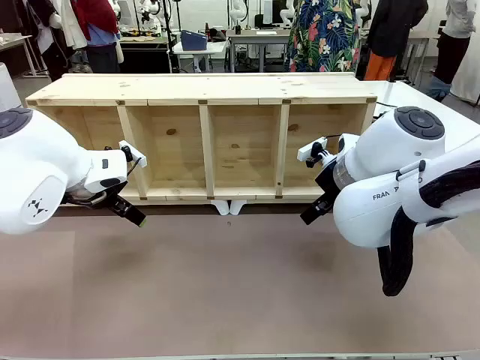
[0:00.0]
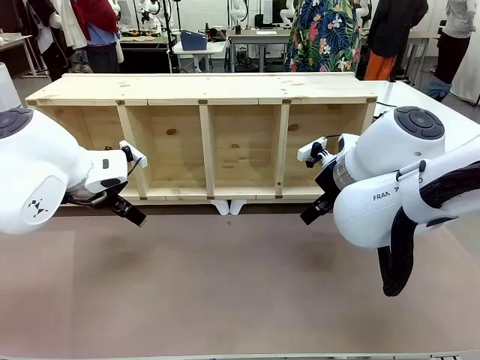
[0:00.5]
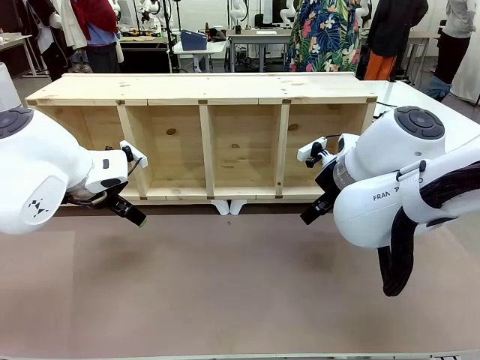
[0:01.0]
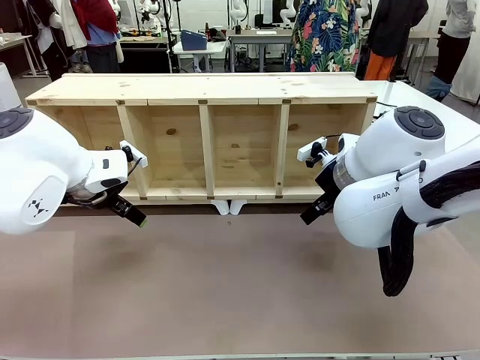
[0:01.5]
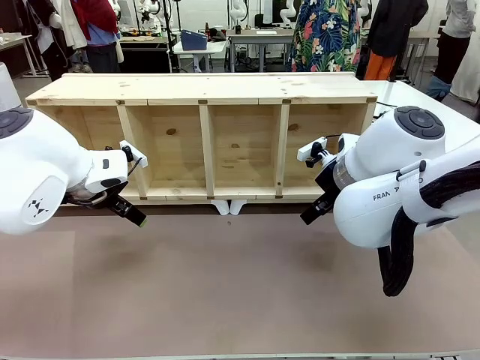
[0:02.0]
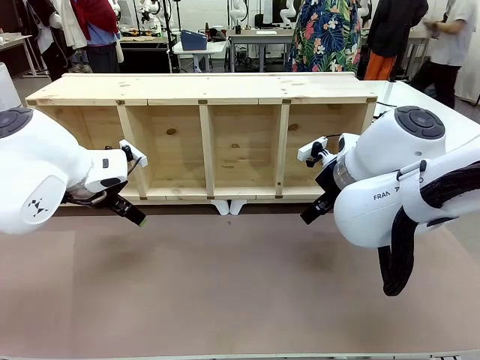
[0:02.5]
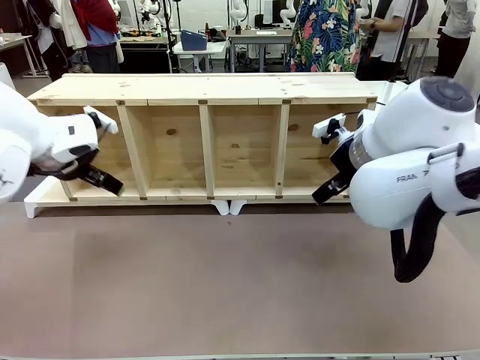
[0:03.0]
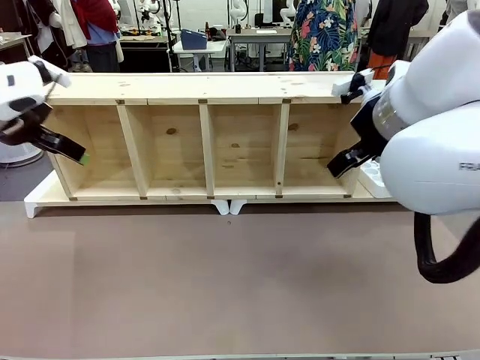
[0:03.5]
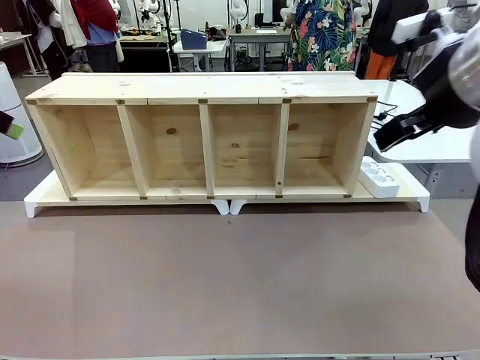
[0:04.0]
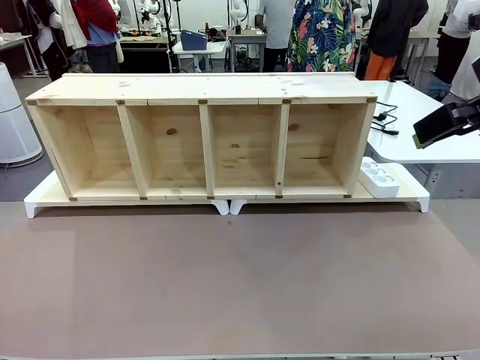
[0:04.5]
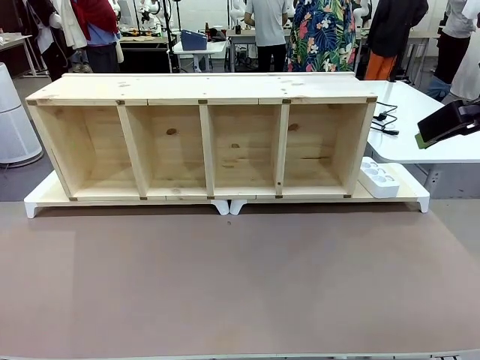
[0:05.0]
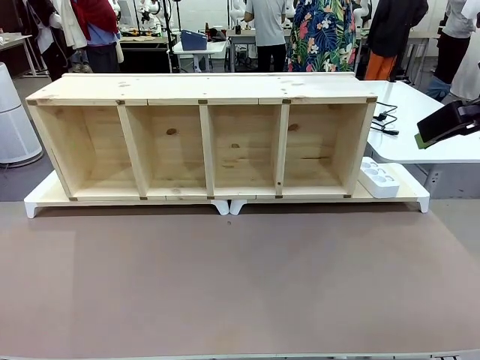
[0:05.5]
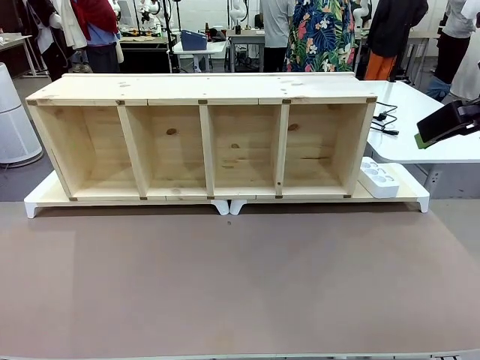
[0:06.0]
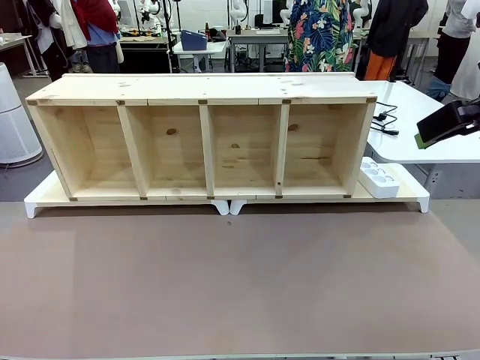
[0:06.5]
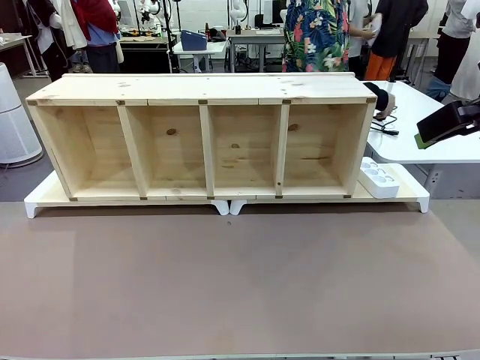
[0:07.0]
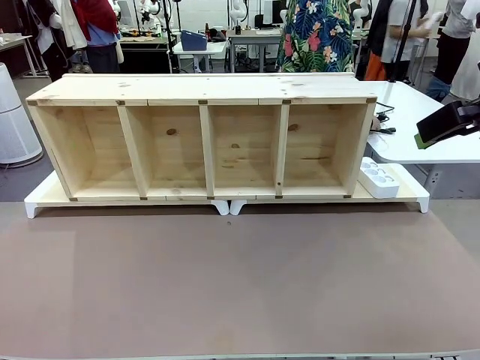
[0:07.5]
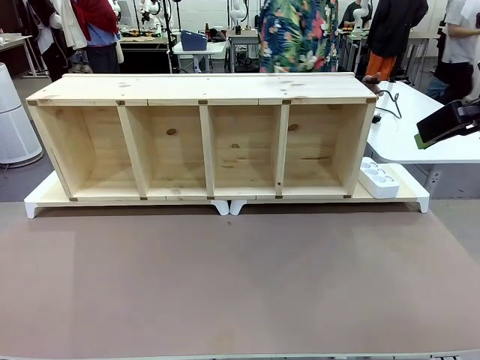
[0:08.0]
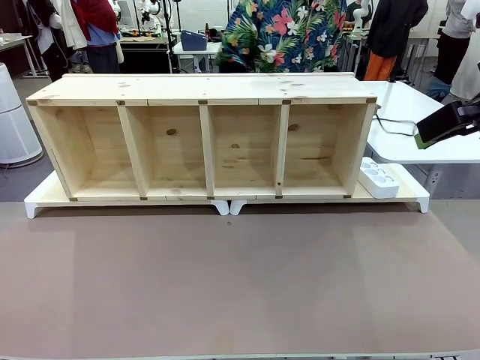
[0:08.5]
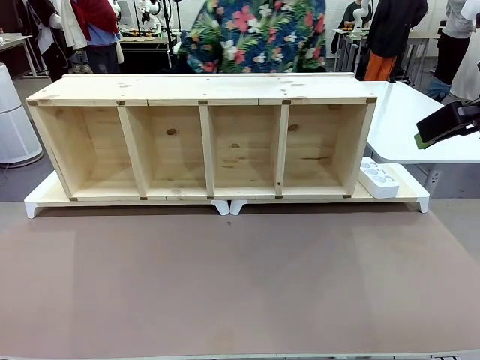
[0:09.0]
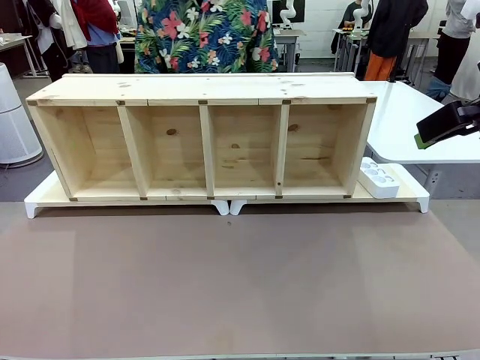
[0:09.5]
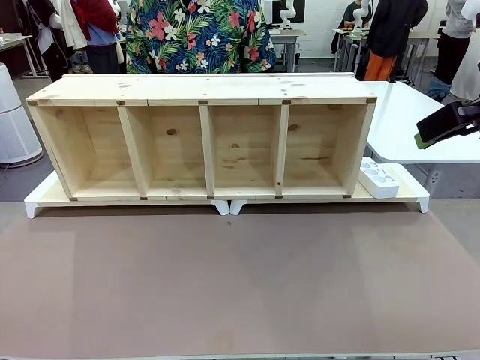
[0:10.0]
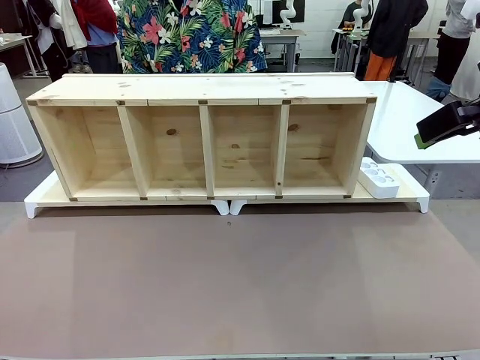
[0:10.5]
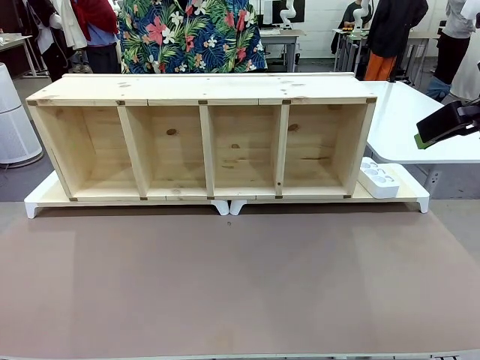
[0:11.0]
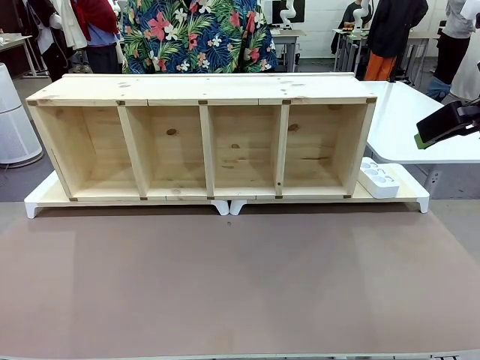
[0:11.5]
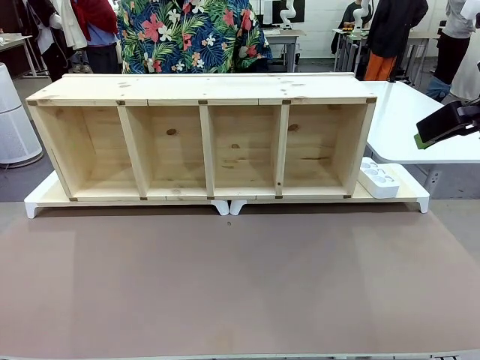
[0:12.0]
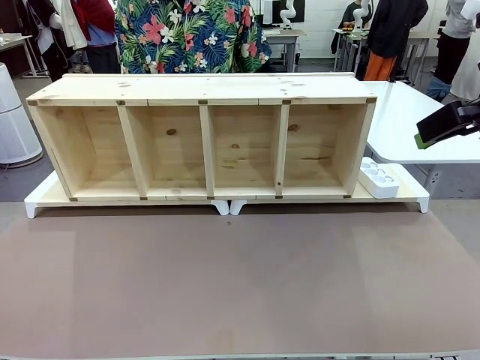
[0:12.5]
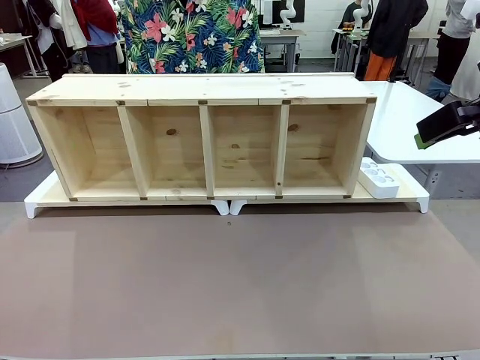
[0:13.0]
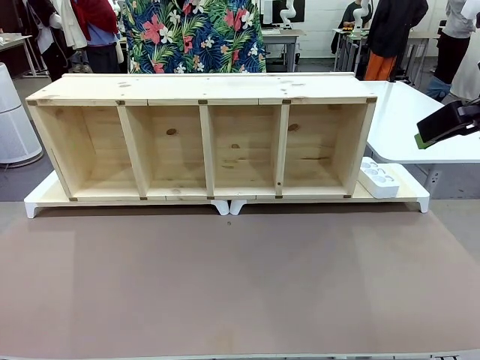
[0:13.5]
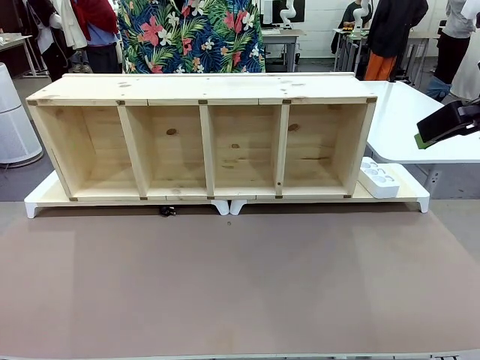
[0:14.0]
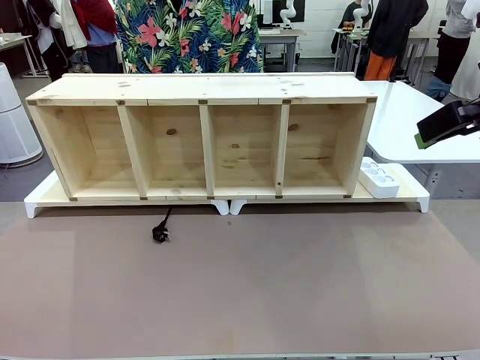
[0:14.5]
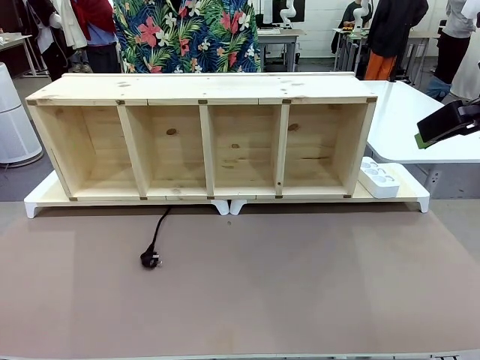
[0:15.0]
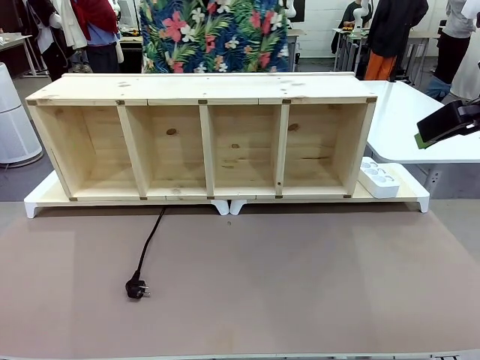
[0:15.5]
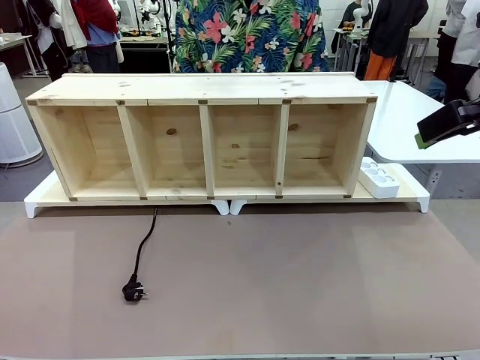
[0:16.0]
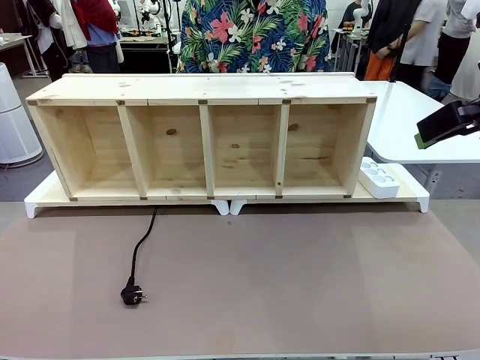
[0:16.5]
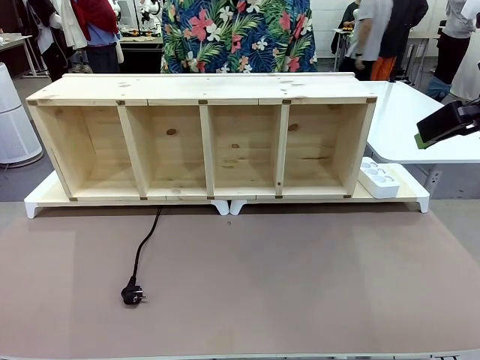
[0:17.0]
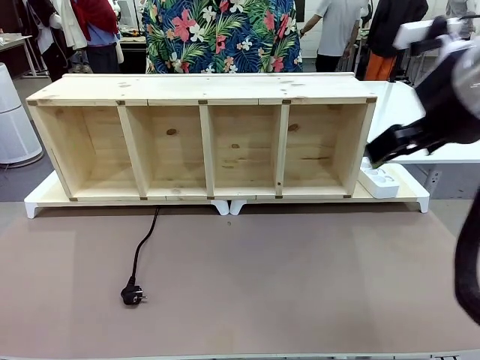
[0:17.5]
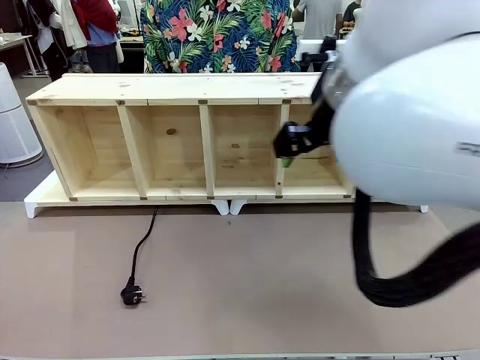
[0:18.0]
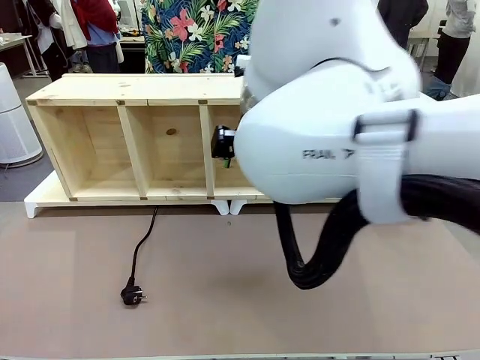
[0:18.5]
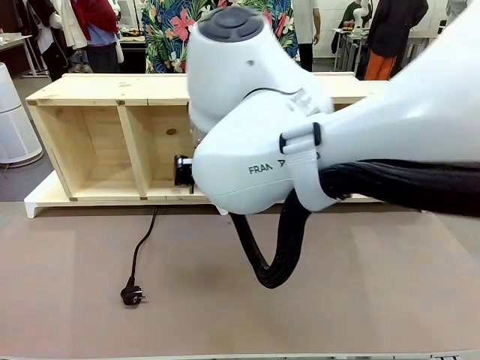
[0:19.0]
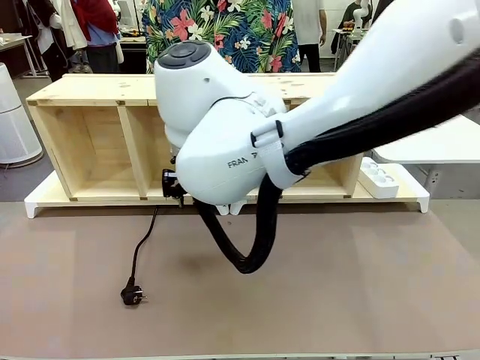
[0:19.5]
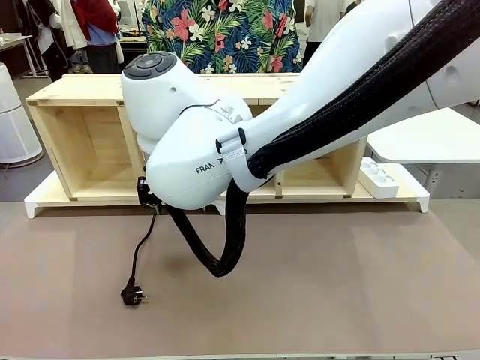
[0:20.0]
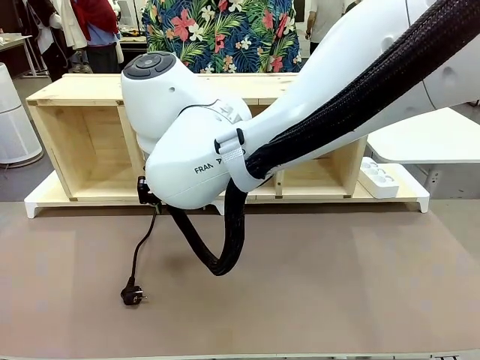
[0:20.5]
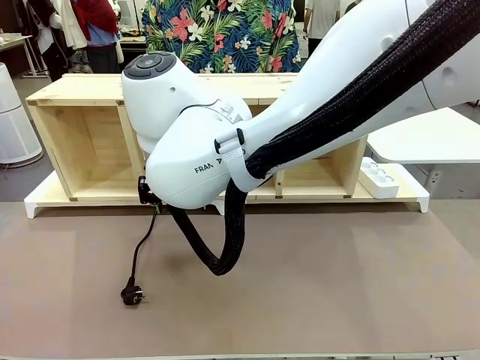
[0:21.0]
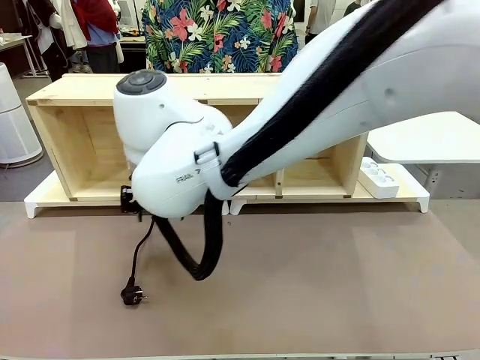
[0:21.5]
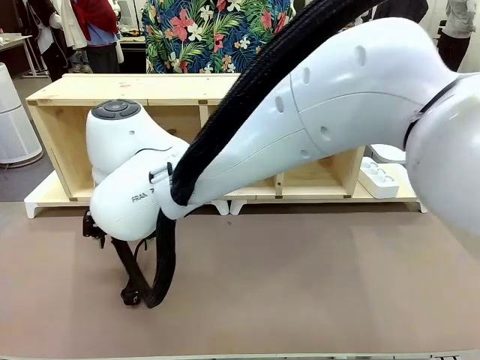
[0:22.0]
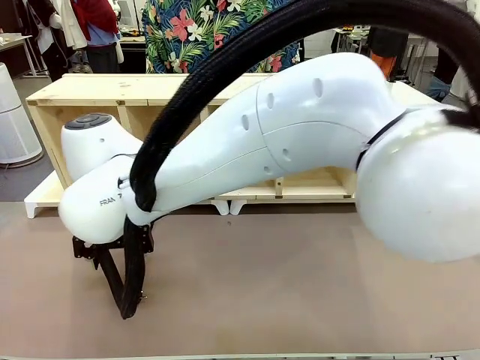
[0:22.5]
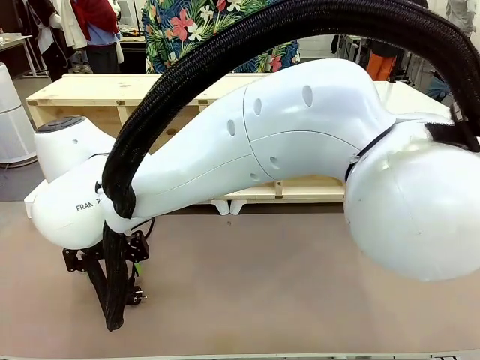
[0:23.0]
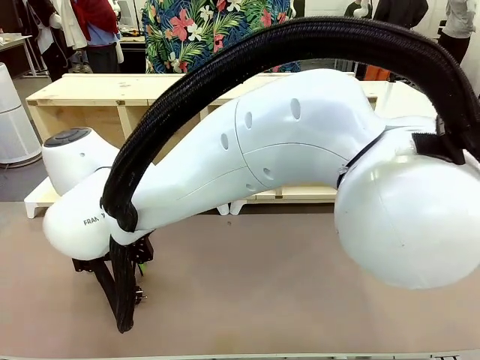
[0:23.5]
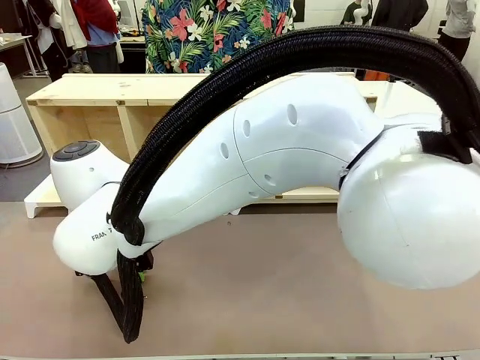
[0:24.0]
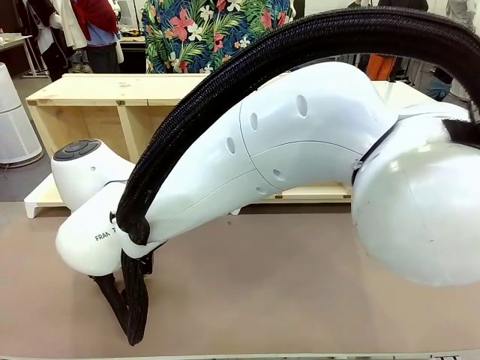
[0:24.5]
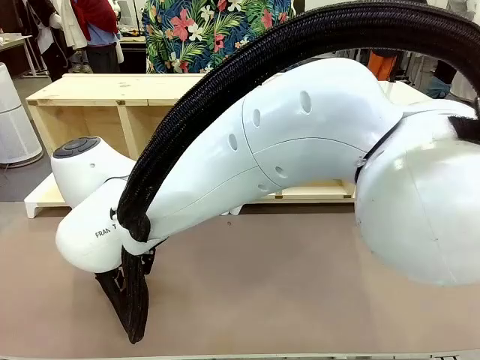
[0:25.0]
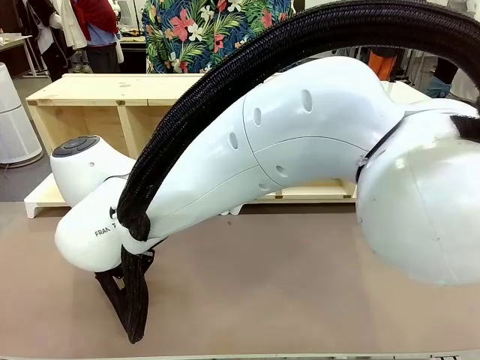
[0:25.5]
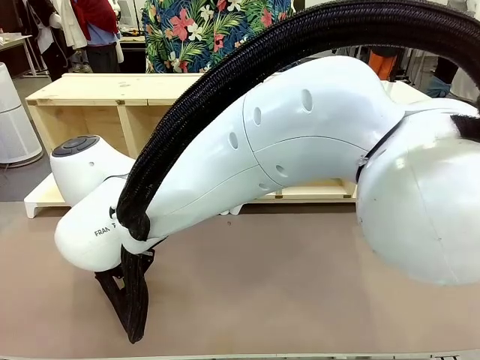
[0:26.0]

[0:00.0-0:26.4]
Task: Perform cable management.
Robot: When the cord part of the Power Cable appears at the lower middle area of the table and stops, grasp the cord part of the Power Cable.
Person: Pass the Power Cable under the Serving Table.
